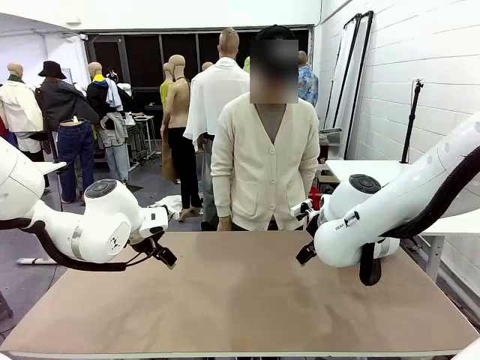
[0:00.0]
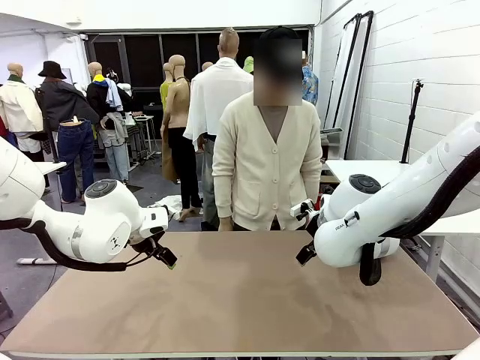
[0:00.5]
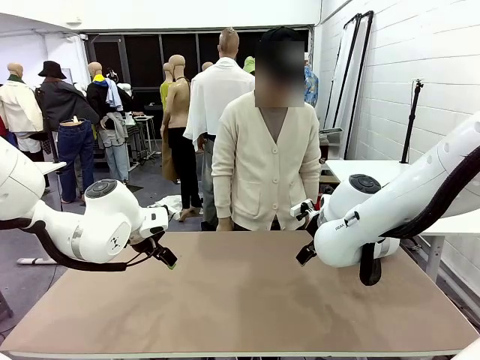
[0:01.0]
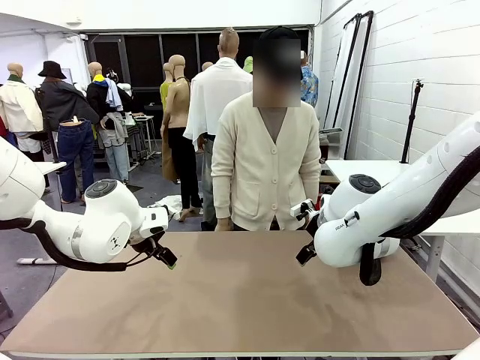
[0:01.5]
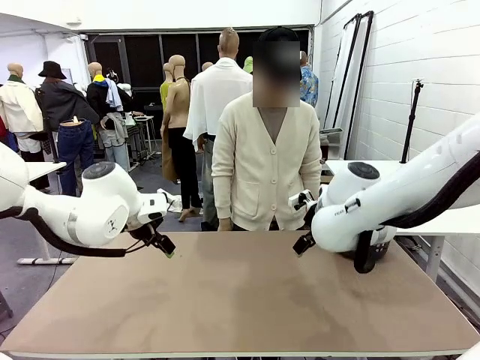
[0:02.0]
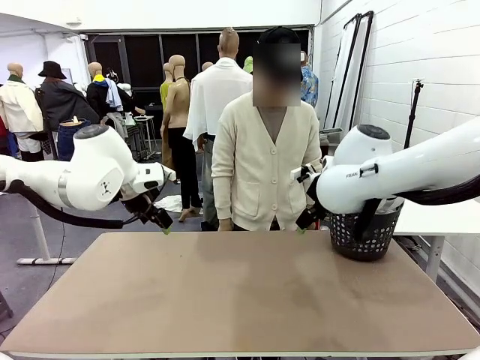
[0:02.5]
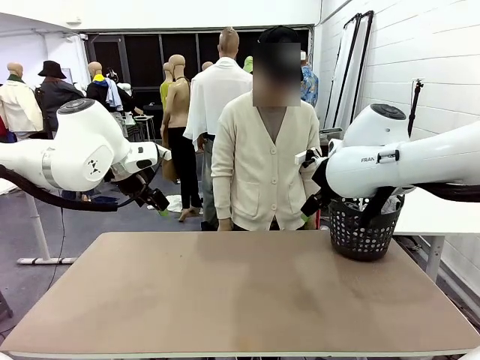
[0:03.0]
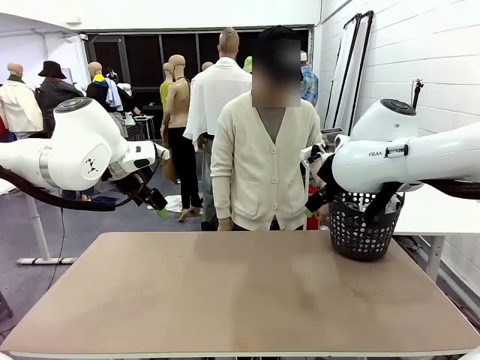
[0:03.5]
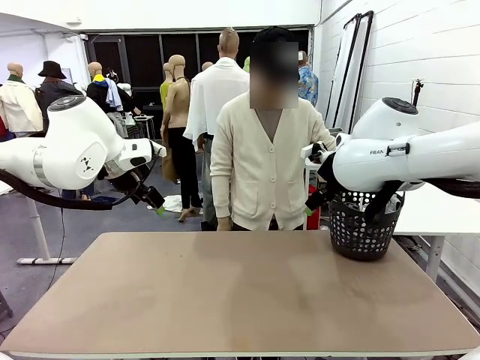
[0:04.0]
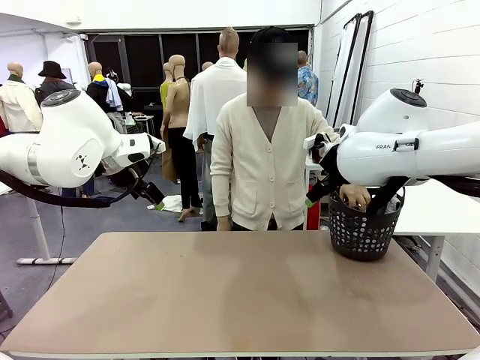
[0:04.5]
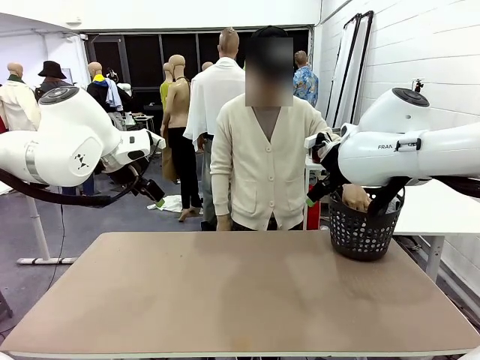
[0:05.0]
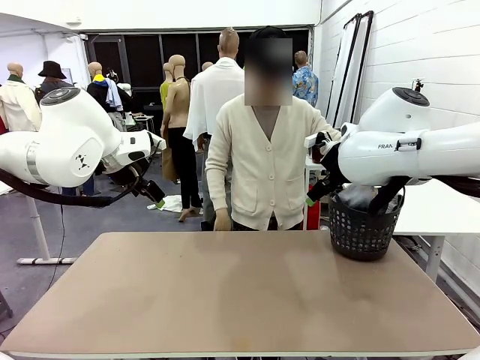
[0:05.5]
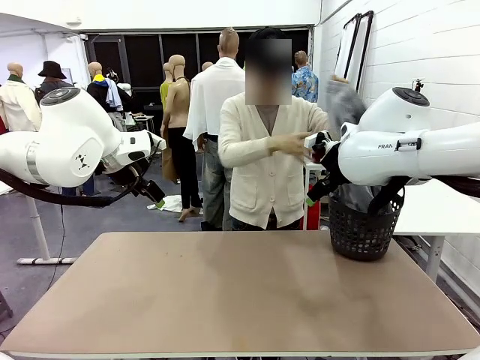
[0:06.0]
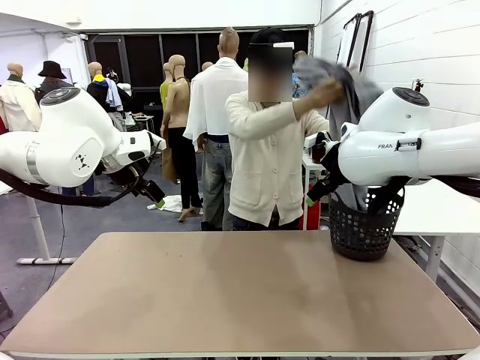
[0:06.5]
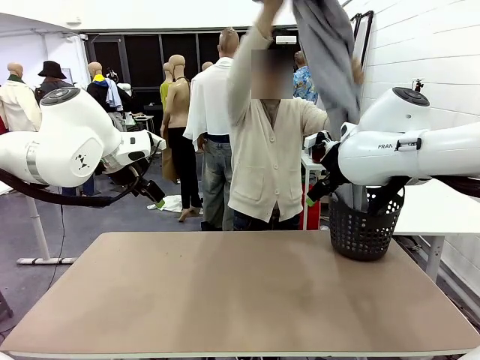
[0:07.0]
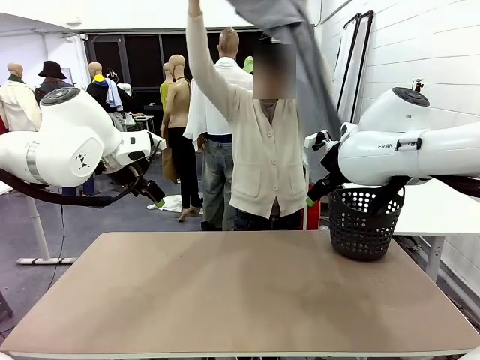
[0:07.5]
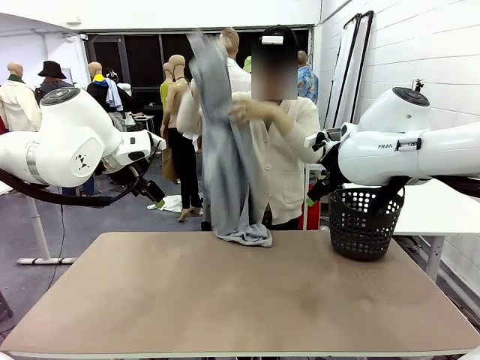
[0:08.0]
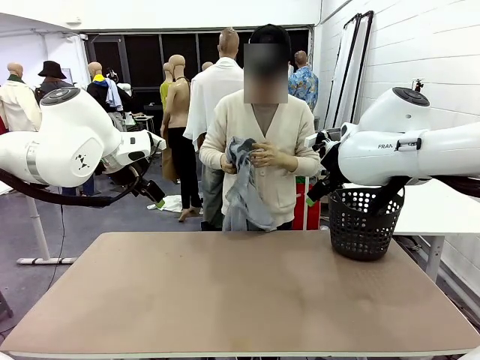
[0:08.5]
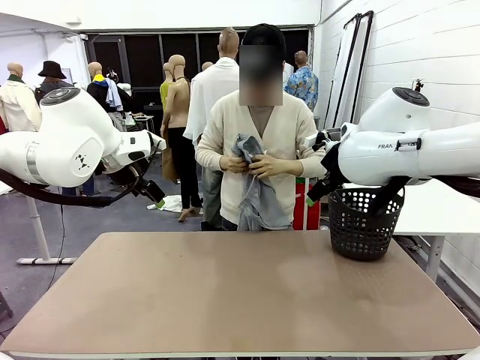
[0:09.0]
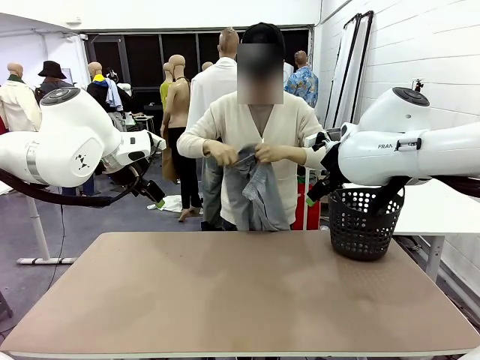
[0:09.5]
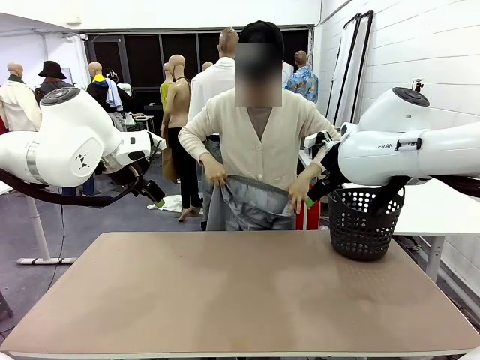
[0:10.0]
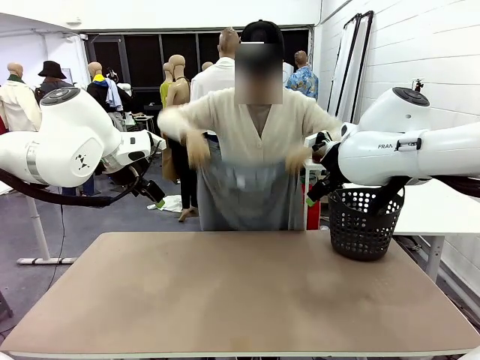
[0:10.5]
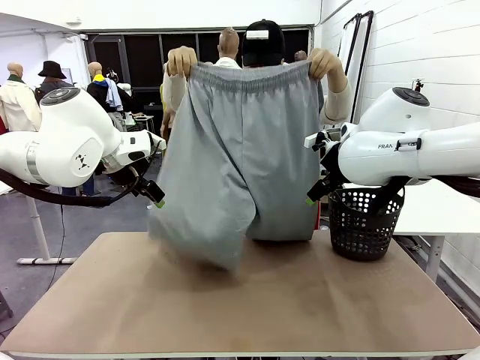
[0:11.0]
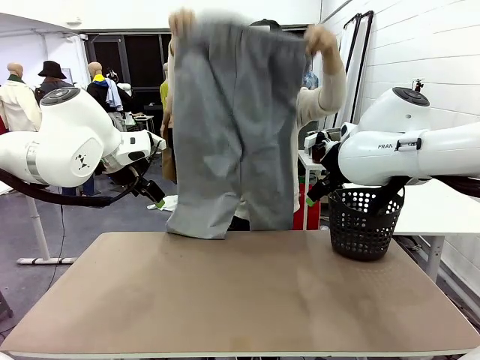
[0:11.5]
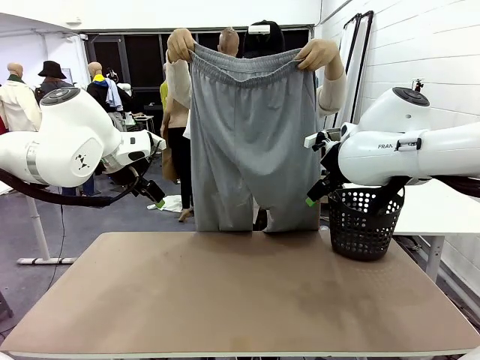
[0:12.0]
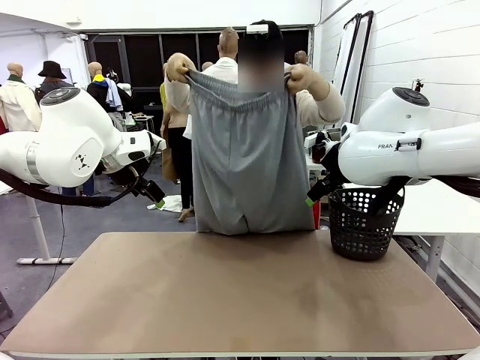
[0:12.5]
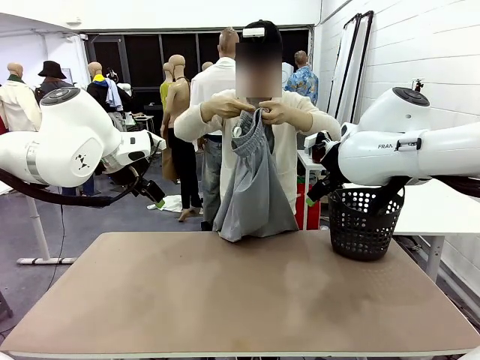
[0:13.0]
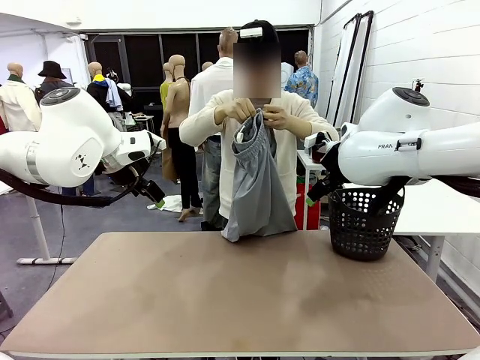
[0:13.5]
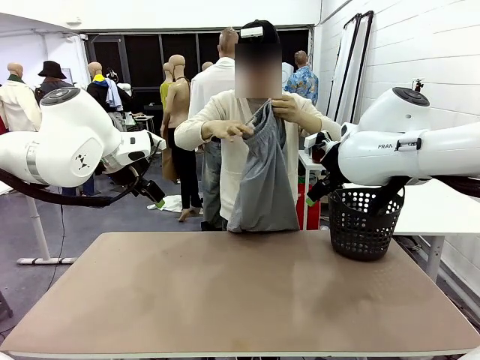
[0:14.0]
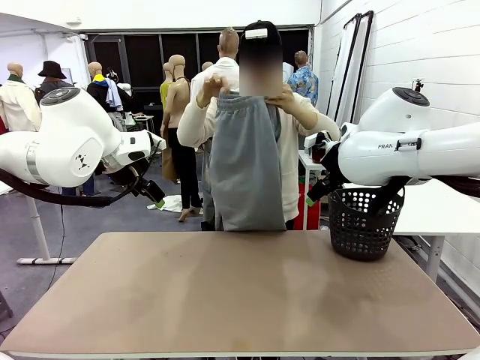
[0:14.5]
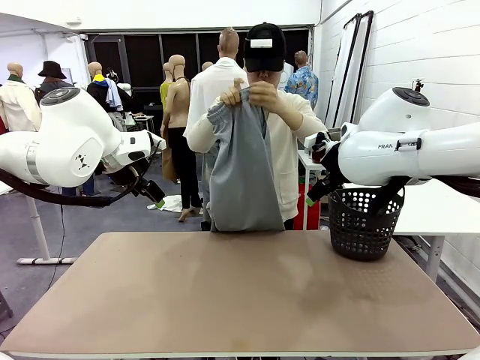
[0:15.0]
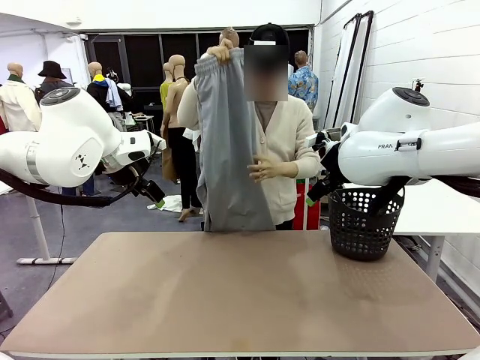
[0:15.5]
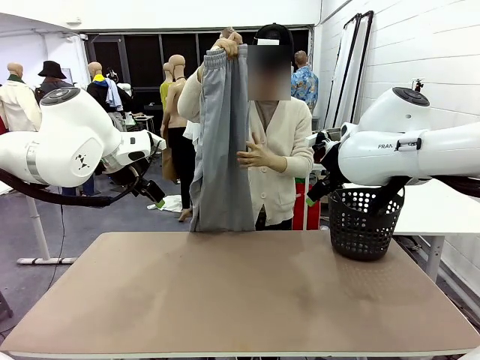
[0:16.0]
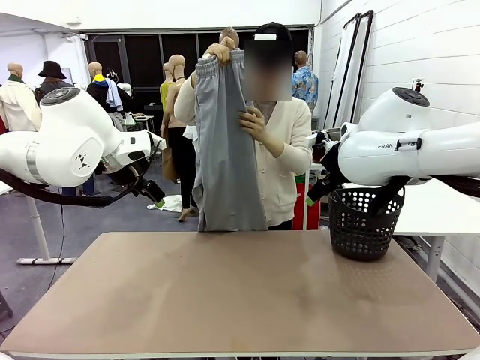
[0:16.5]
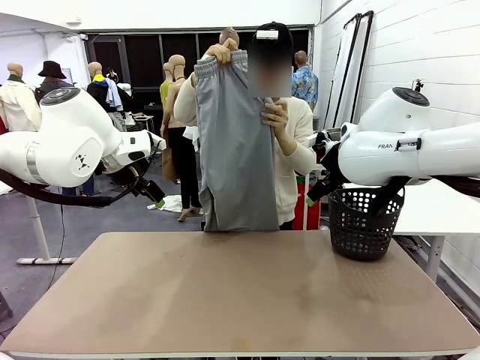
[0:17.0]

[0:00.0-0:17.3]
Task: Fold the training pants.
Robot: Grab both ends of the Training pants handed by a person.
Person: Take the long pants out of the laundry basket, unfold them, fold the waist in half, and extend them so the robot can pick up both corners.
